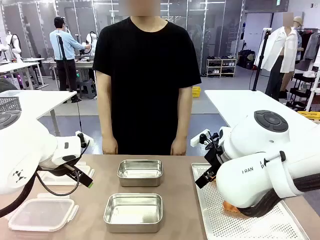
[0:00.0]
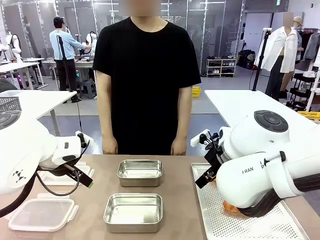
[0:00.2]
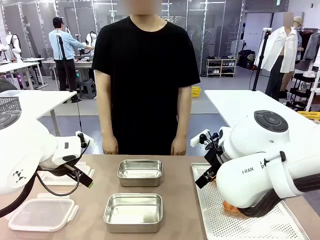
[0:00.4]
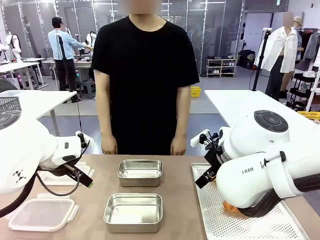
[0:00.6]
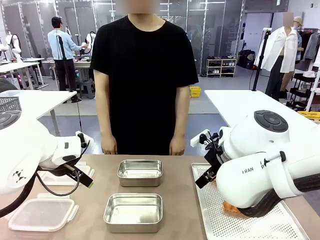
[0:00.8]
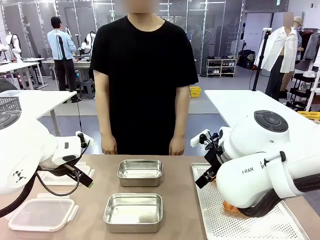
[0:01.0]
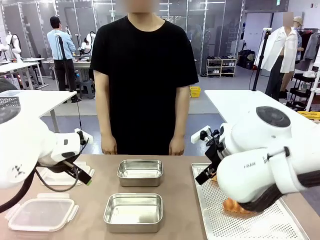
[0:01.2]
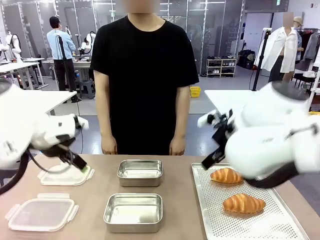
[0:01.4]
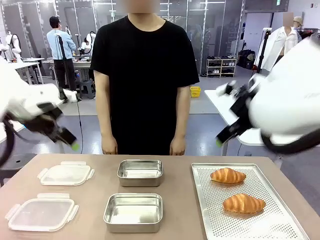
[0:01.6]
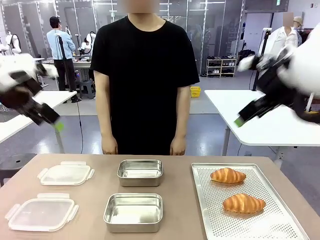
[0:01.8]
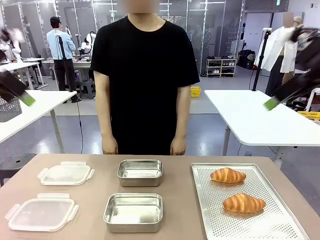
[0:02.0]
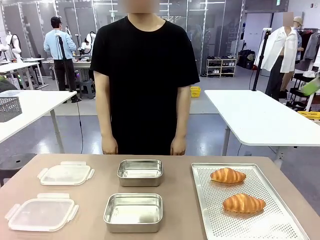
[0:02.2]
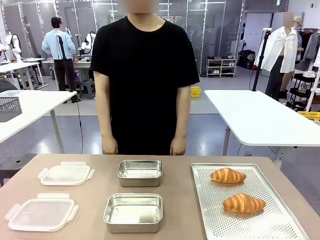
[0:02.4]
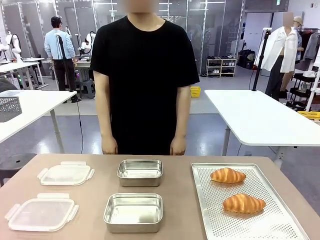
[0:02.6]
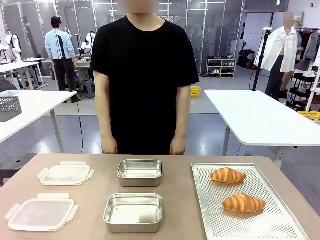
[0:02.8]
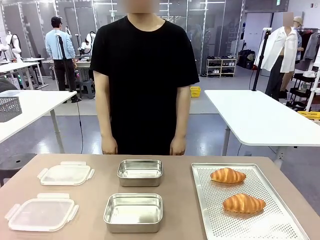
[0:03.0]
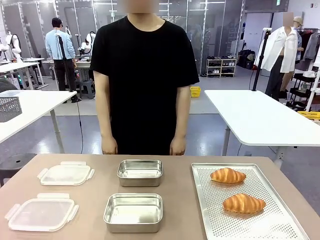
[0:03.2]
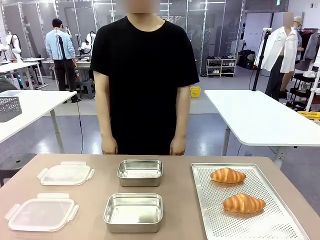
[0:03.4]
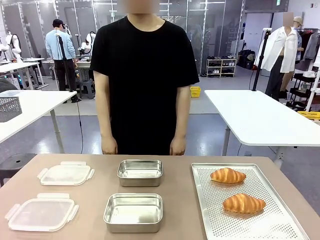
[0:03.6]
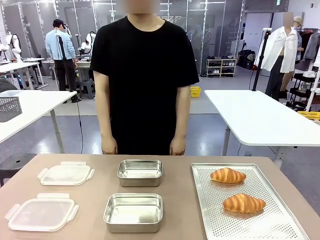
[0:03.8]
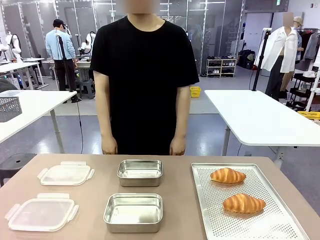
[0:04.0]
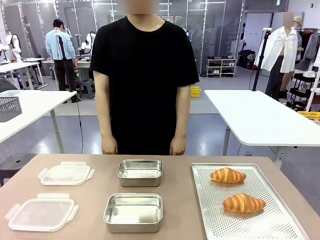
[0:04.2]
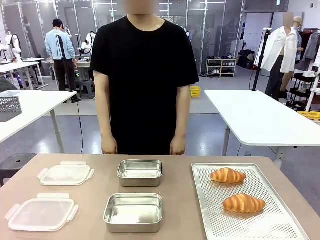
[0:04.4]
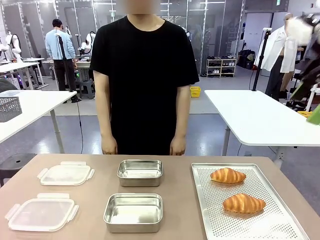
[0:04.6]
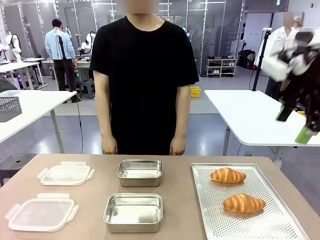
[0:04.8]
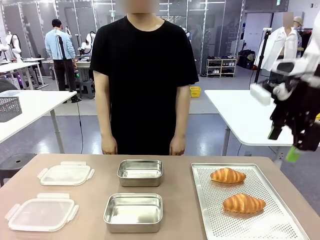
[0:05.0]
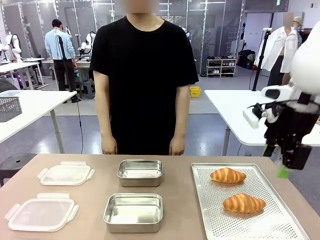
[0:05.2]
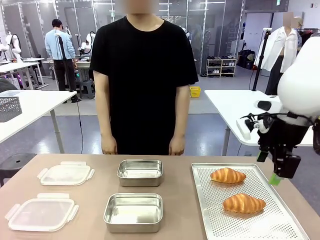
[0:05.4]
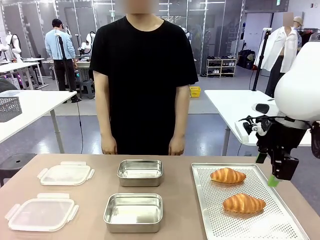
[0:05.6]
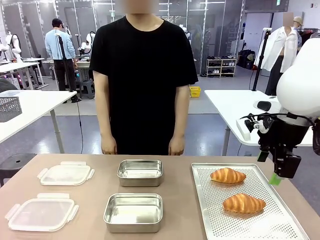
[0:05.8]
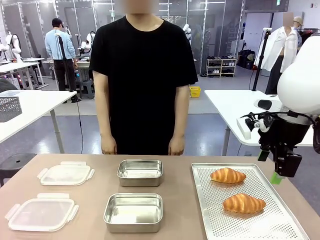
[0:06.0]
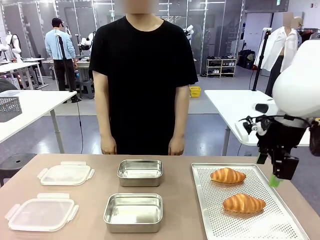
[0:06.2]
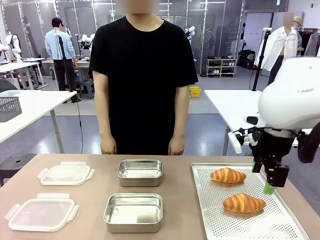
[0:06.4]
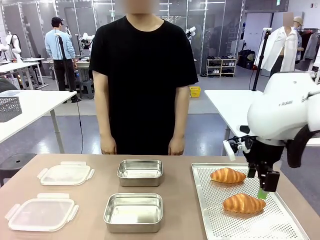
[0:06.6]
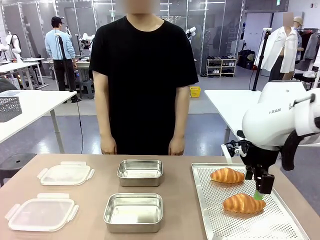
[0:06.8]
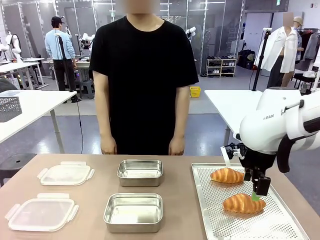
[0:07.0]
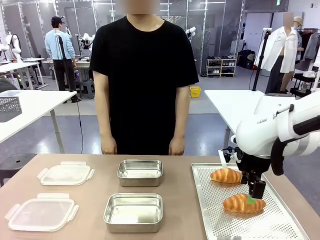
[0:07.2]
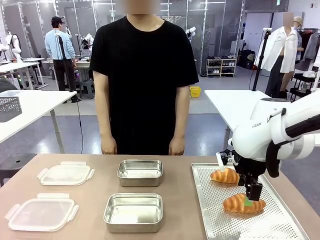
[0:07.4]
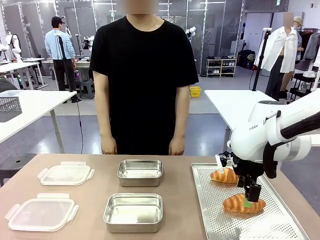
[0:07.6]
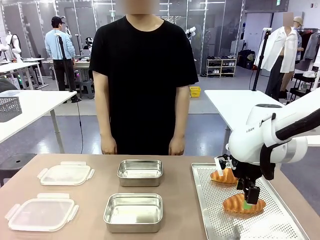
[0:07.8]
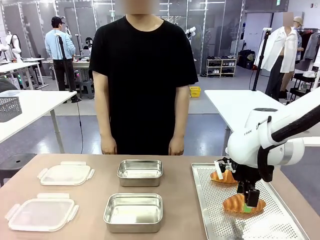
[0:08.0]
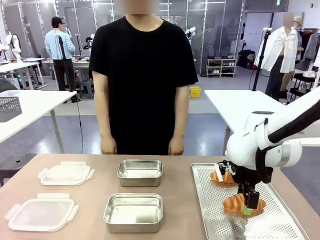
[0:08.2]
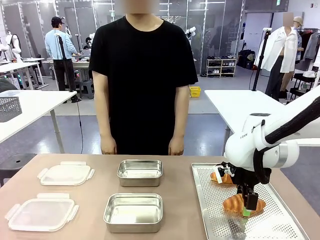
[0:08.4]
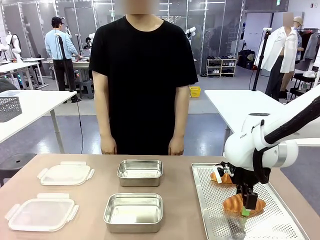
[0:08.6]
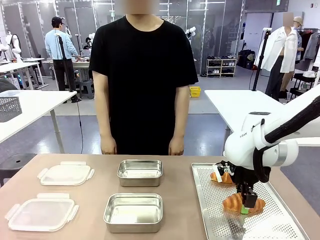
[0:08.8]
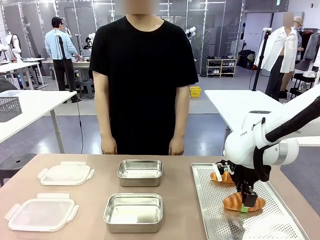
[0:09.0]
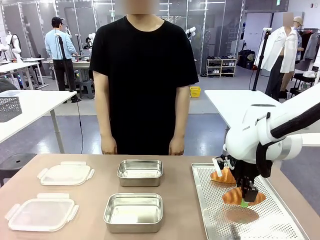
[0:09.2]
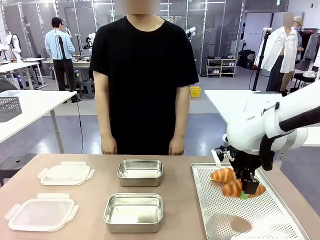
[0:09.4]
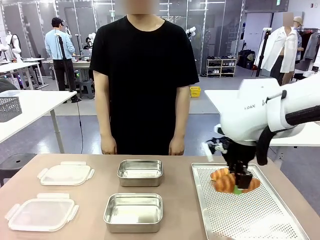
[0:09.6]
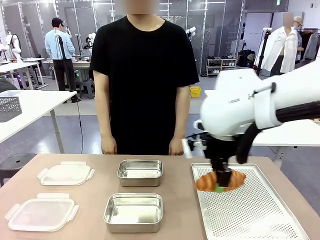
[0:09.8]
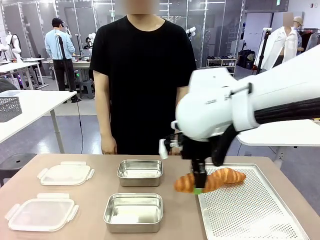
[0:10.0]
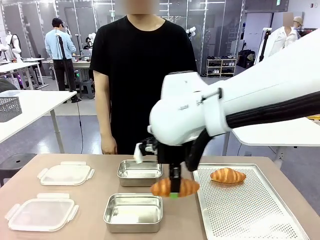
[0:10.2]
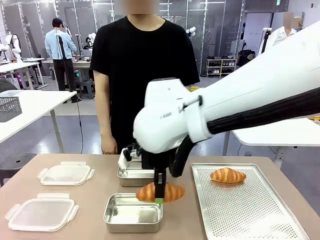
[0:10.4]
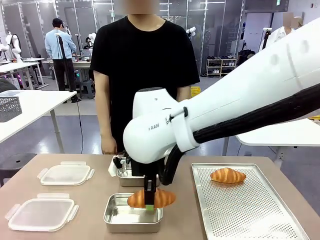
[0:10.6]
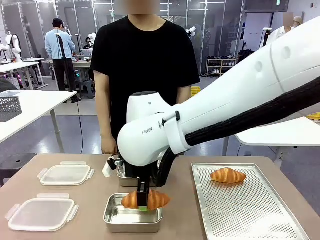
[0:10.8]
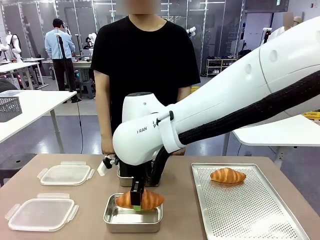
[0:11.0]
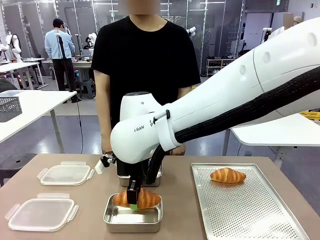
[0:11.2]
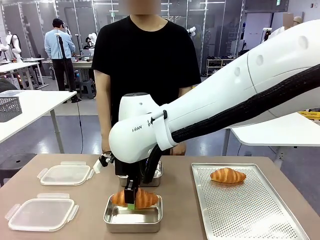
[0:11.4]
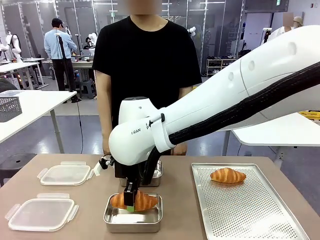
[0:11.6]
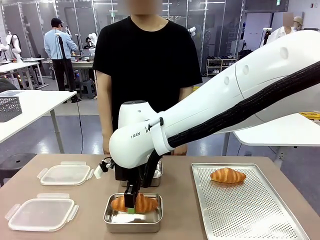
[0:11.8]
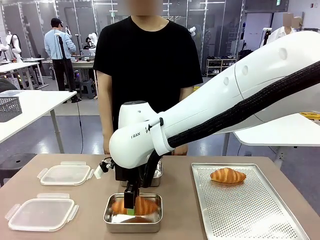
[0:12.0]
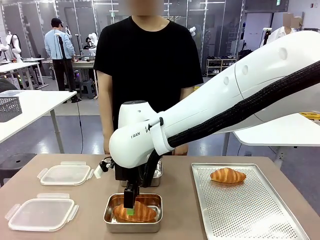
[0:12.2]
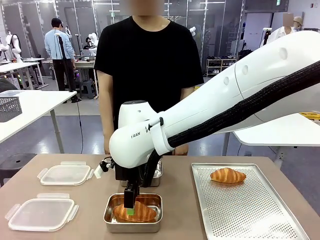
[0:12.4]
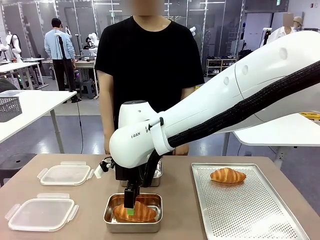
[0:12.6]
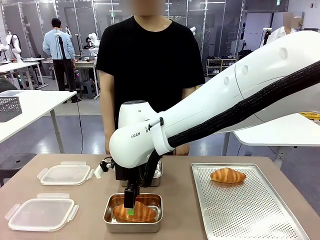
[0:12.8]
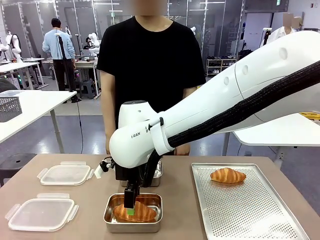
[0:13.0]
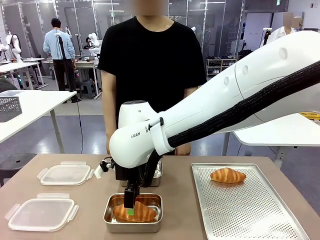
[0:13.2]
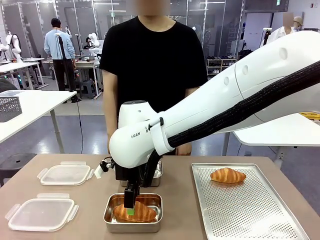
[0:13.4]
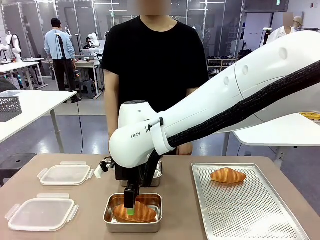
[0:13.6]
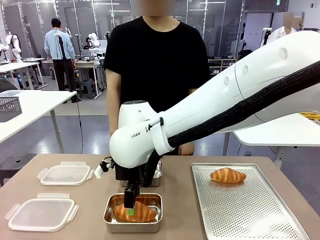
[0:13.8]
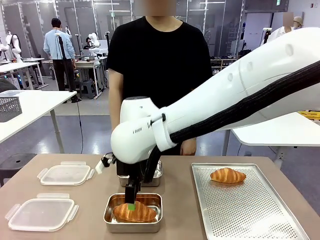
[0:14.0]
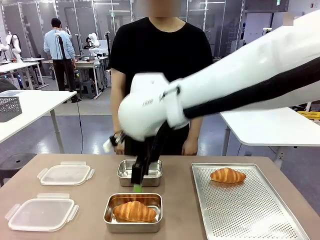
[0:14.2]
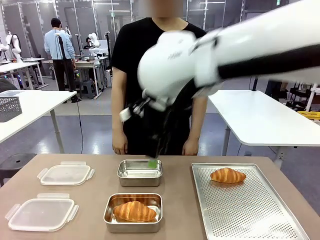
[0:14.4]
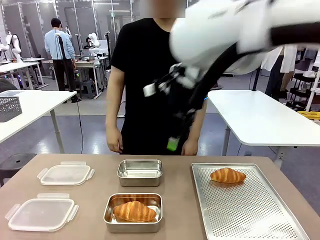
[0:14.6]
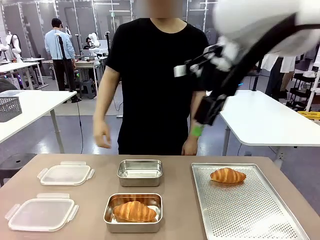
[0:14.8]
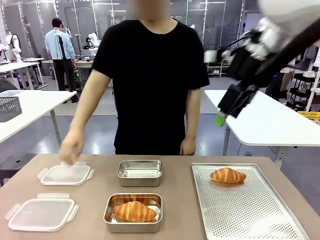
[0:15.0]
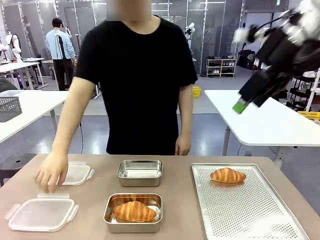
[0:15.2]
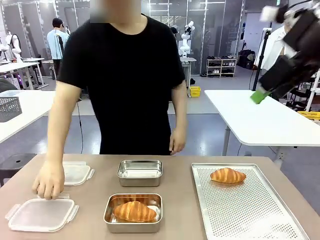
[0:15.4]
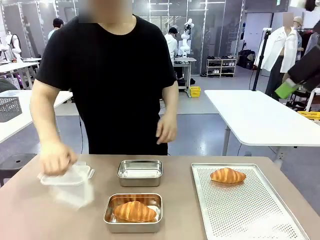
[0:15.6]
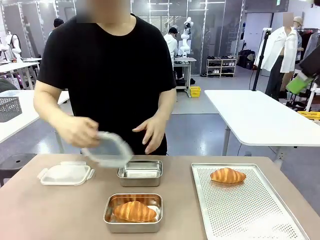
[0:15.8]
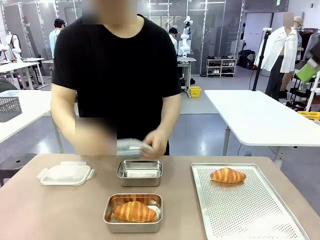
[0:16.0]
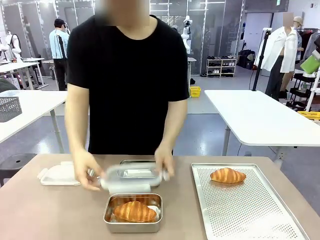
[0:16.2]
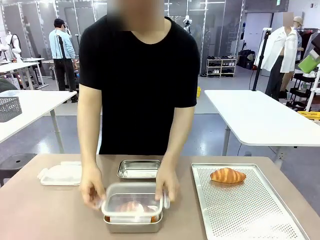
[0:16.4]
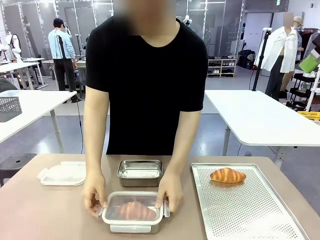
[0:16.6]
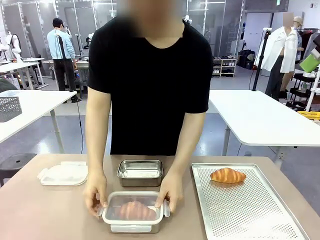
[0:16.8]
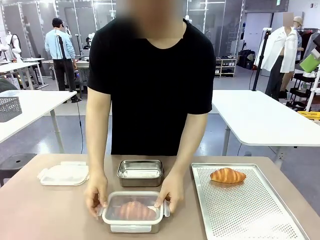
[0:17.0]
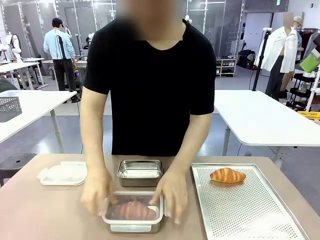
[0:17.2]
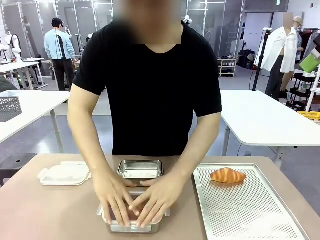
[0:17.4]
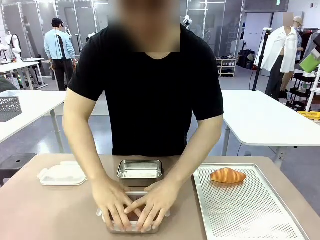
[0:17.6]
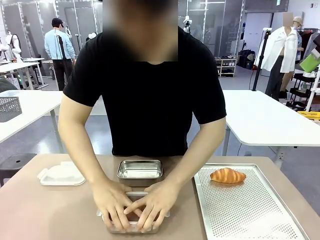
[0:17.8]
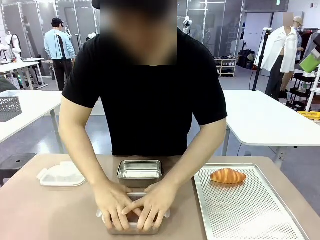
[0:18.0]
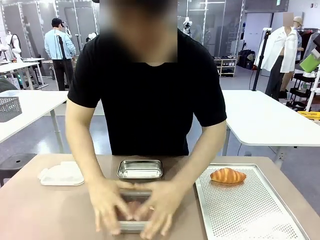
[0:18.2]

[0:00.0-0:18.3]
Task: Place the bread into the airtight container.
Robot: Pick up a Butter Roll and place it into an empty Airtight Container.
